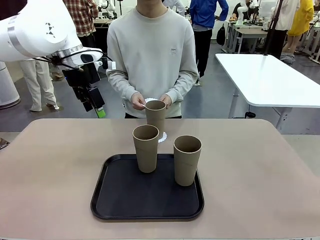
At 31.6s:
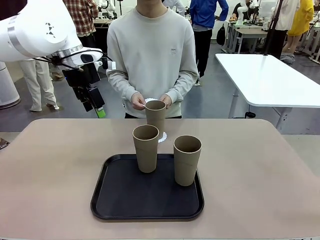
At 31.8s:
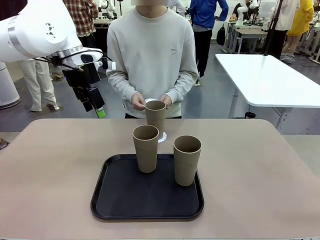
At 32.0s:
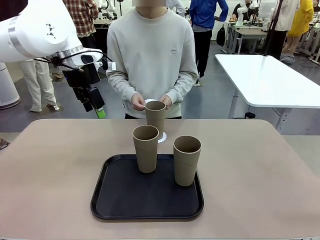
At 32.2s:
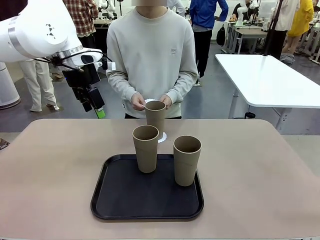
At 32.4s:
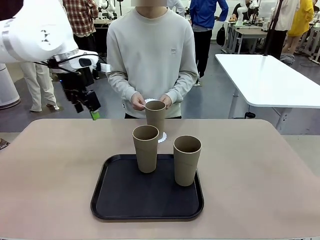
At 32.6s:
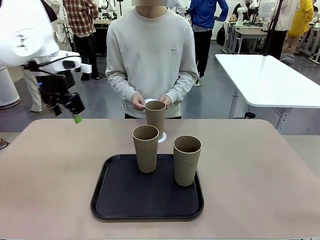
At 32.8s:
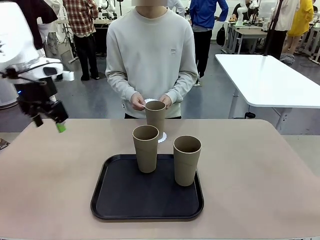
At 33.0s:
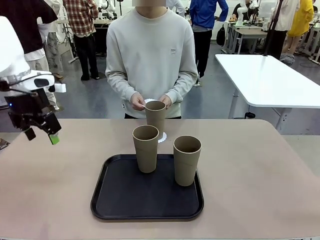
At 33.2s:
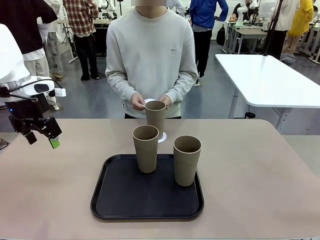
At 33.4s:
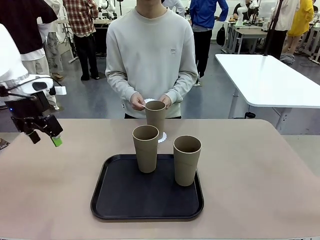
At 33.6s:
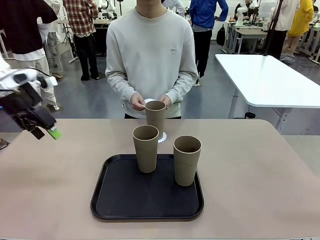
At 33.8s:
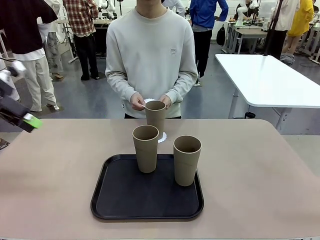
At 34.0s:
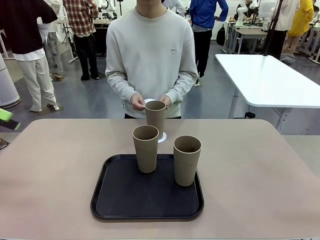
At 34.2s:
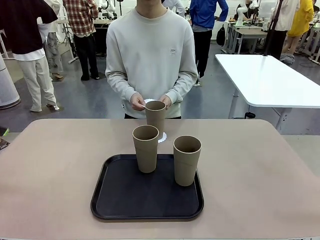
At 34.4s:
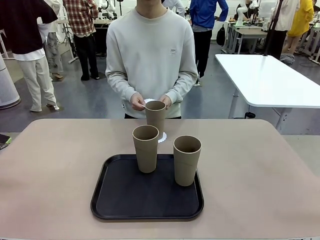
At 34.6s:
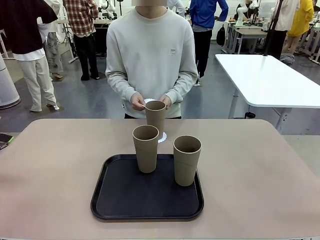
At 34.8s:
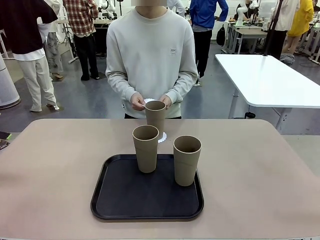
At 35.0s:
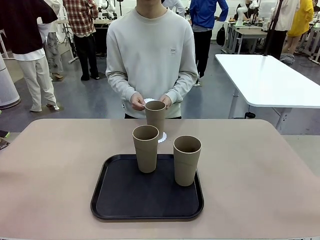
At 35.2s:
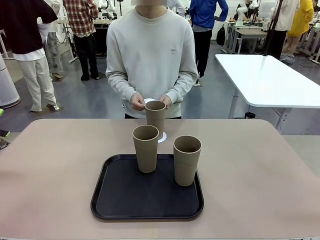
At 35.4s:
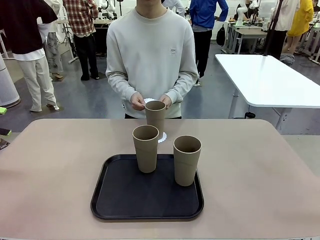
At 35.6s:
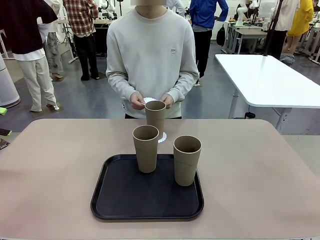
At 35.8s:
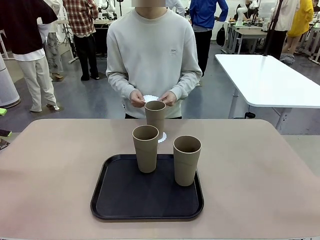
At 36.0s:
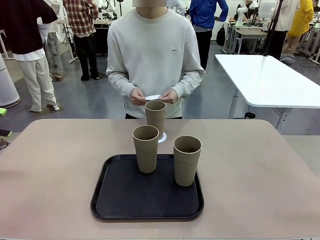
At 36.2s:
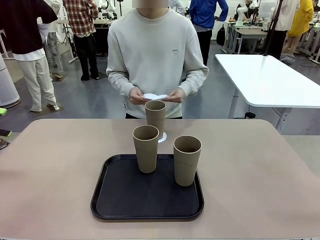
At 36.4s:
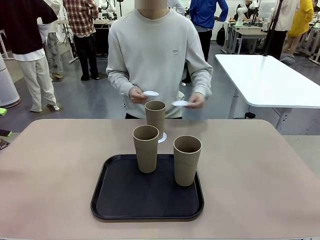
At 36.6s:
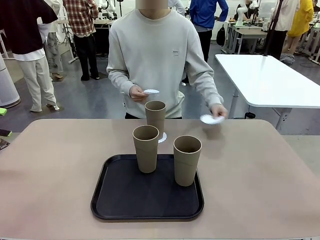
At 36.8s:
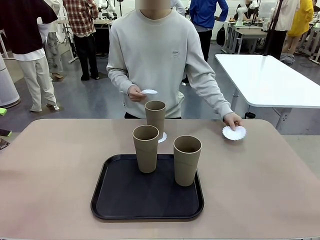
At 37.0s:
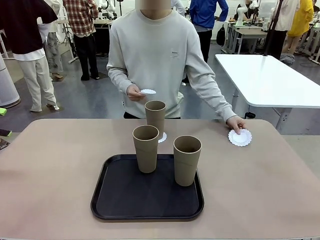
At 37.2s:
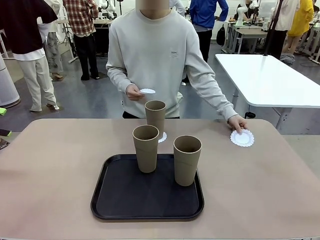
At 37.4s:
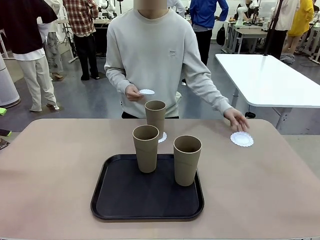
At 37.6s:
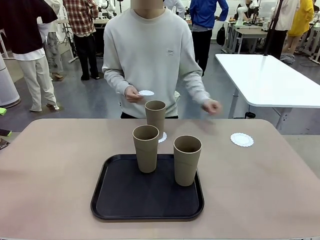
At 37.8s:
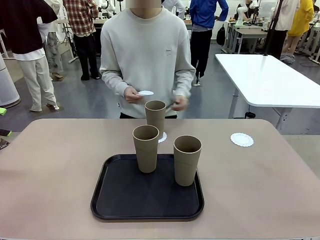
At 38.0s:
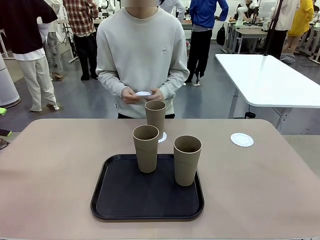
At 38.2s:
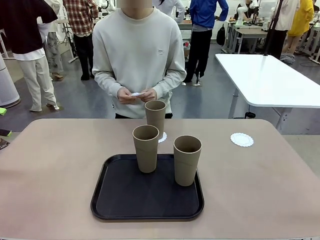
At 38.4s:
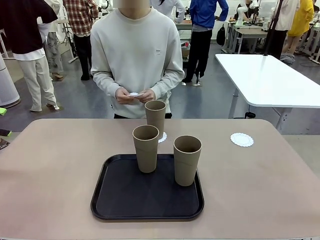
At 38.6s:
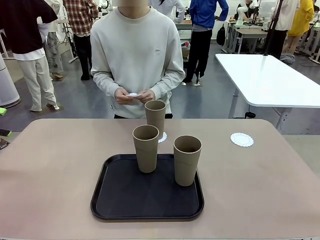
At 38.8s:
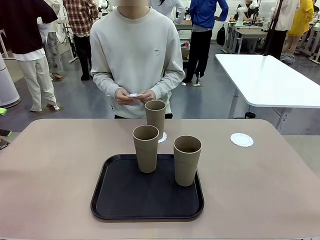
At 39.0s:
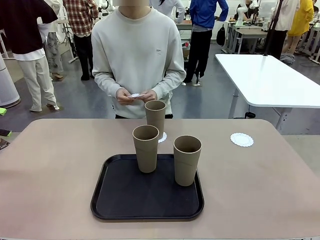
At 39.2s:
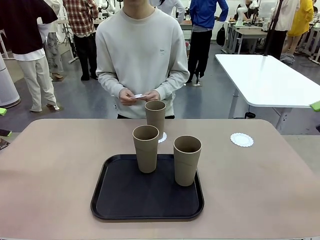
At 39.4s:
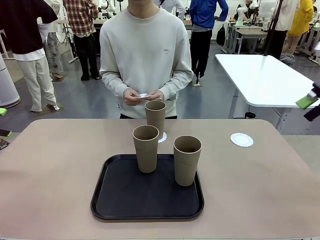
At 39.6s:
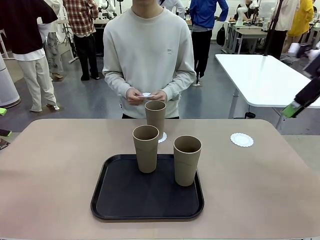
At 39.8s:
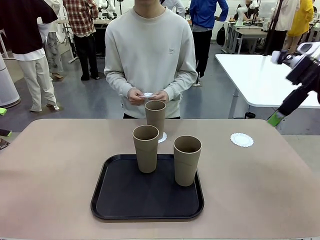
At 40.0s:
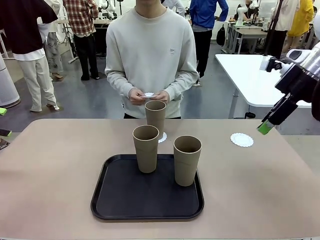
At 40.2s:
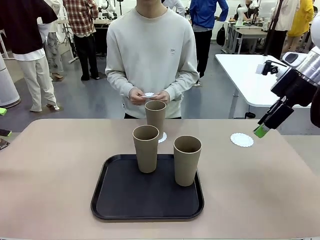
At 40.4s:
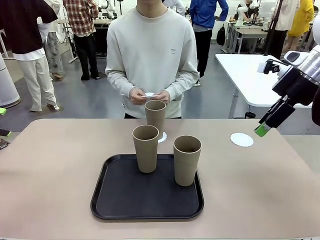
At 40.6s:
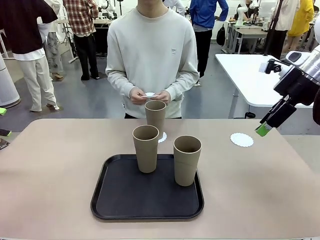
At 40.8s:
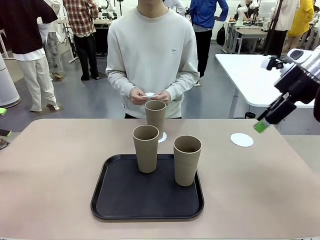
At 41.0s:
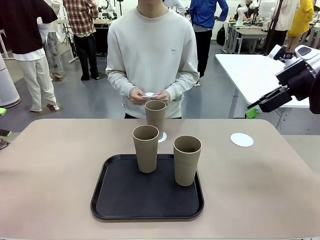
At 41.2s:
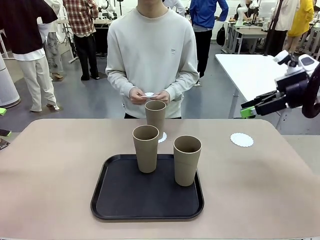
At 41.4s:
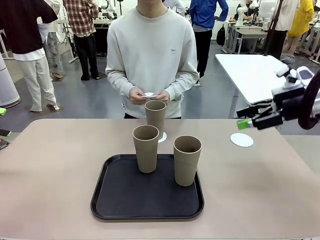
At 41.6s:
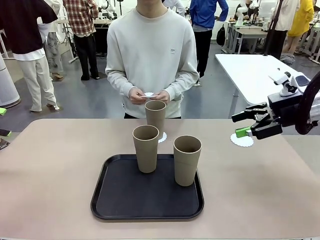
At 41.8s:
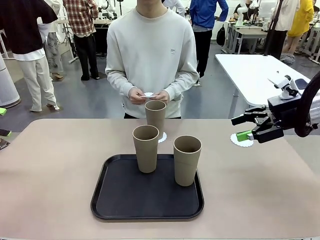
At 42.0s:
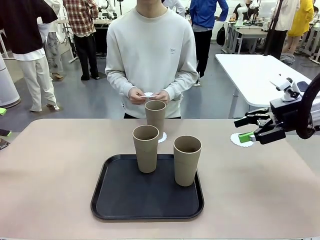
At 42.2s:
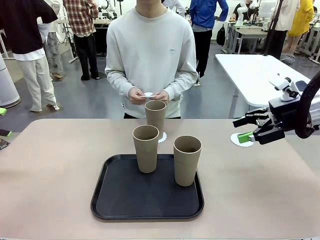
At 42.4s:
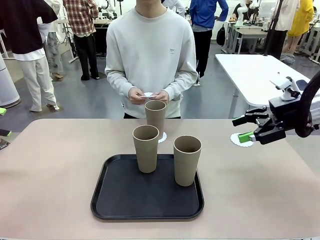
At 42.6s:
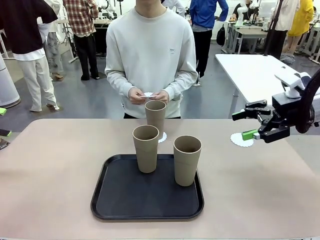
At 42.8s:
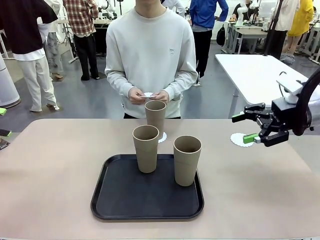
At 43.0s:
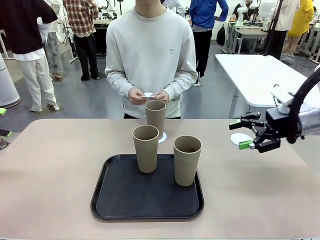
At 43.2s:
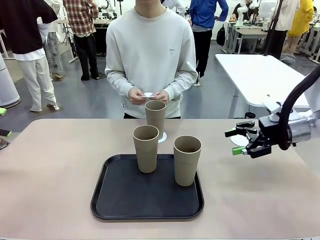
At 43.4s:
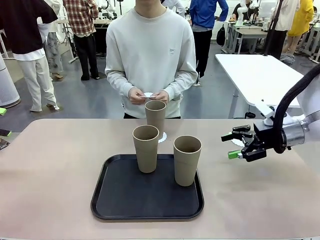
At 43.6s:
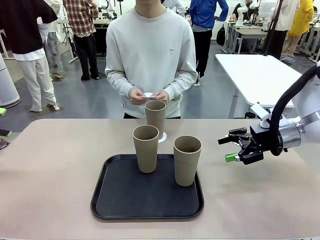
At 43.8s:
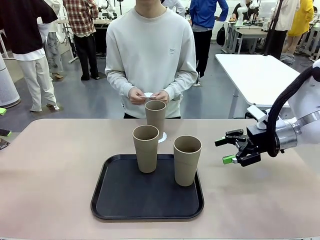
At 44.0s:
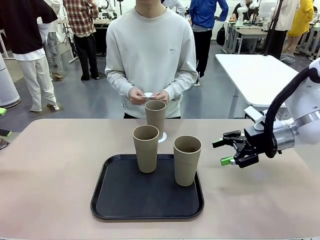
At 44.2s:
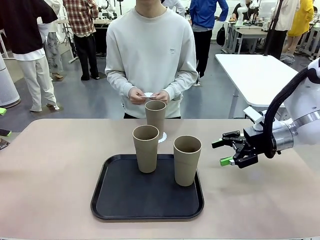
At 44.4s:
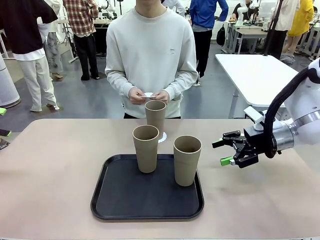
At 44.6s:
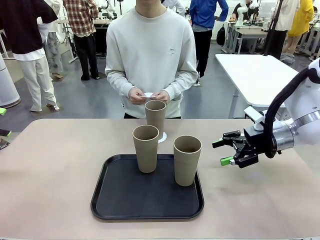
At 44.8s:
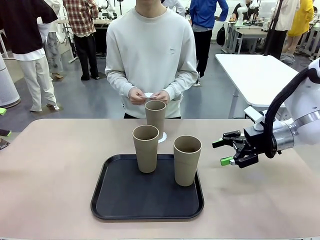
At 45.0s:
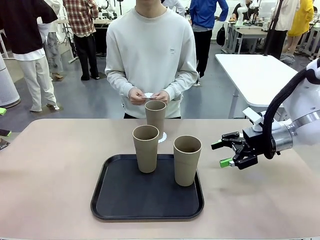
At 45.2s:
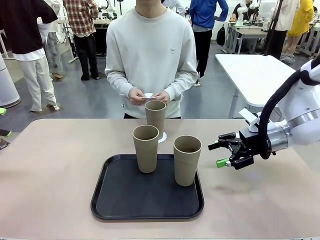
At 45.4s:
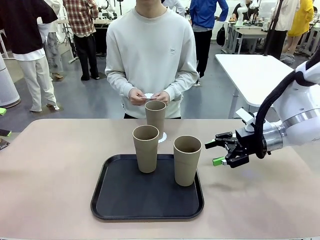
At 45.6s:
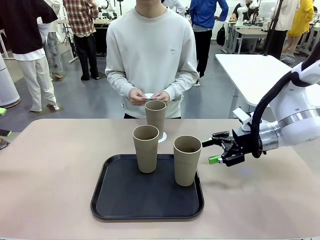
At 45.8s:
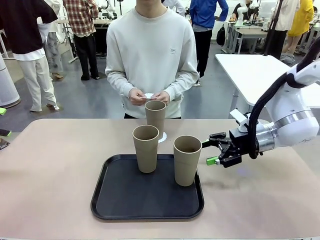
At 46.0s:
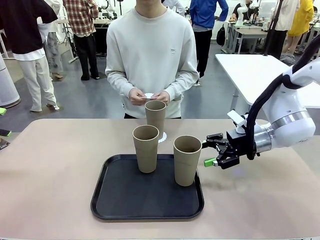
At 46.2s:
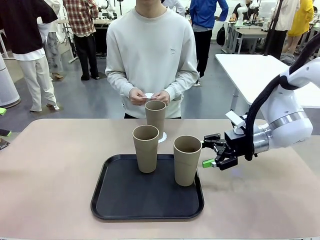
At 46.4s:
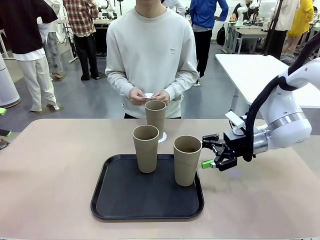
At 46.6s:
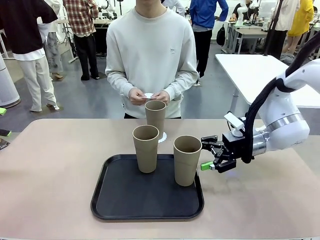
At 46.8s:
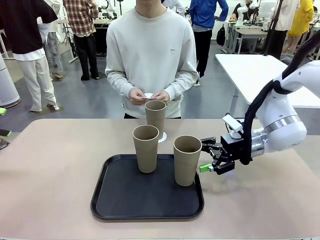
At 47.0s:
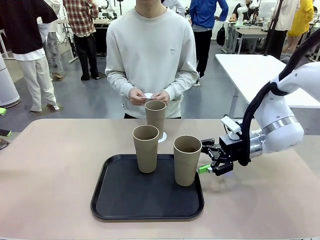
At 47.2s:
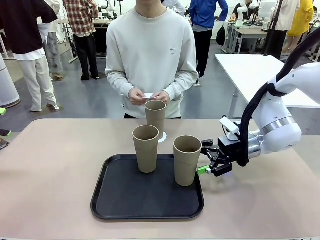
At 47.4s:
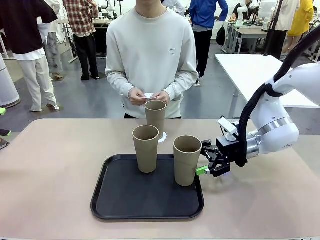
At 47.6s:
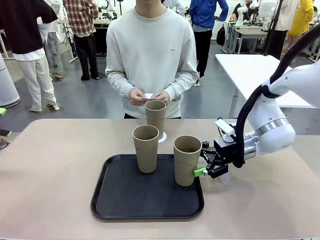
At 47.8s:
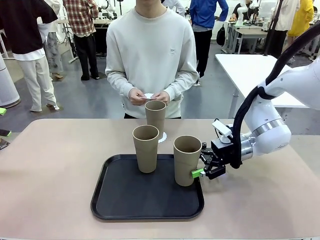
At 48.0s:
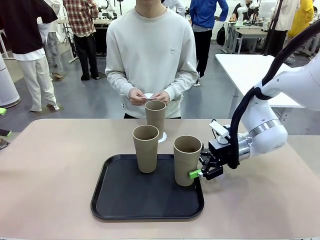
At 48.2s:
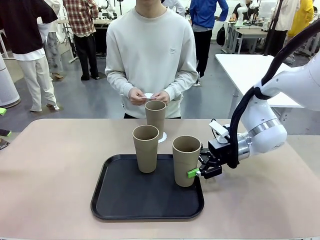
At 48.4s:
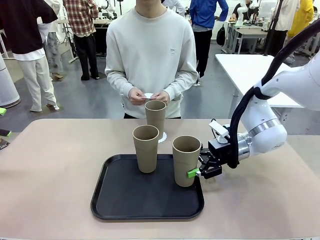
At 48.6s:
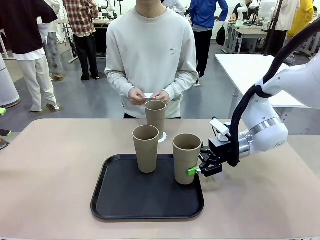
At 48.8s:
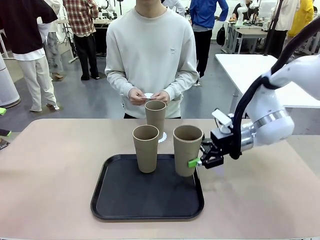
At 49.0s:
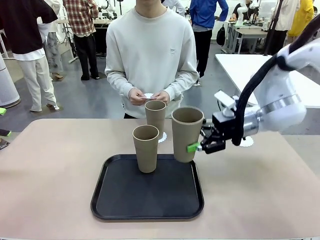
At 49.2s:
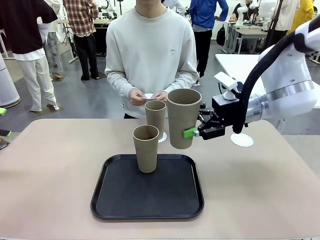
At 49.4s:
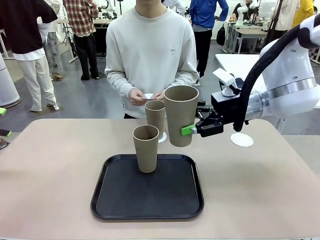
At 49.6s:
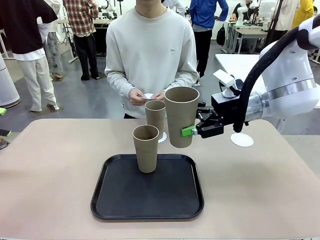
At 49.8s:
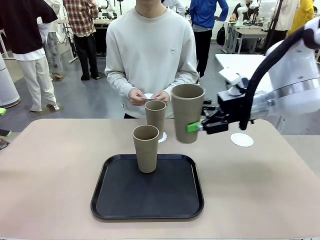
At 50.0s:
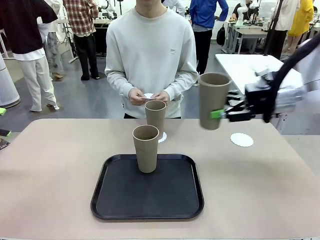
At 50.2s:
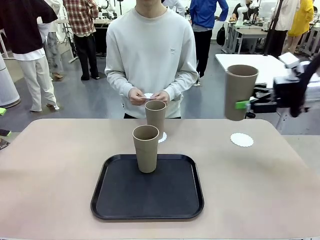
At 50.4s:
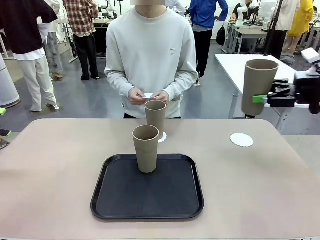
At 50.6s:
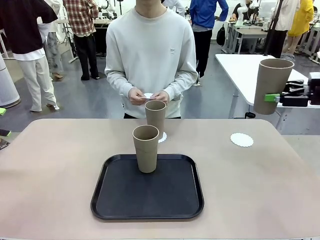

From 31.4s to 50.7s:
Task: Place coasters on the table and set cups on them.
Robot: Take one Reusable plastic cup from the Flat Tray and place it on a coaster set by the human.
